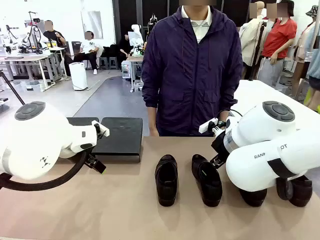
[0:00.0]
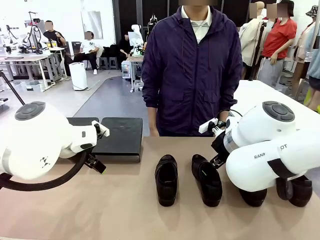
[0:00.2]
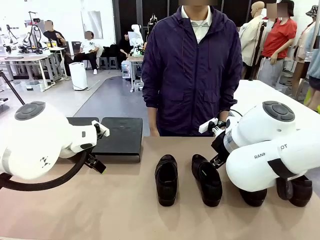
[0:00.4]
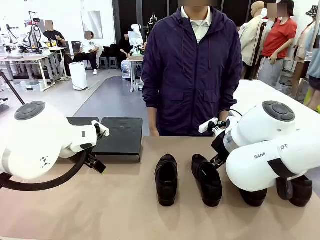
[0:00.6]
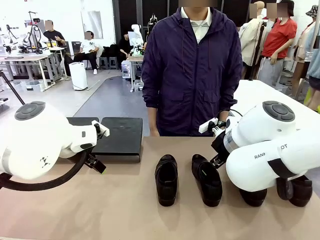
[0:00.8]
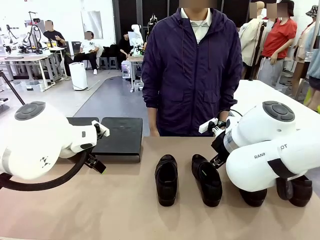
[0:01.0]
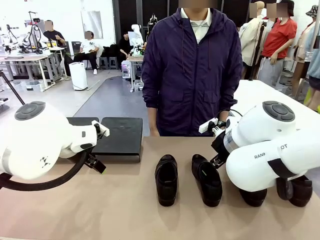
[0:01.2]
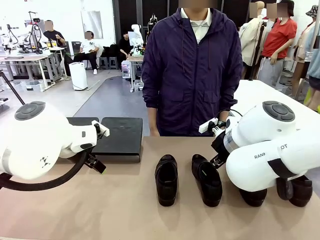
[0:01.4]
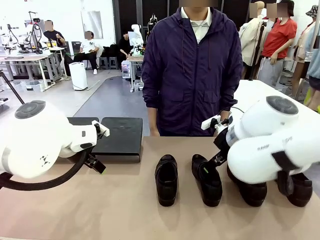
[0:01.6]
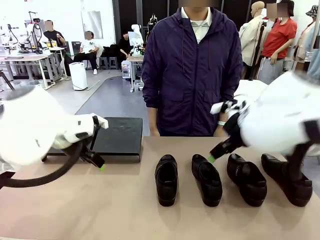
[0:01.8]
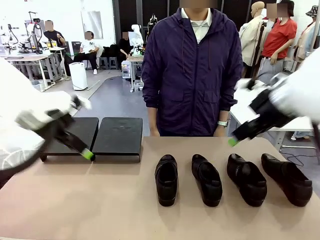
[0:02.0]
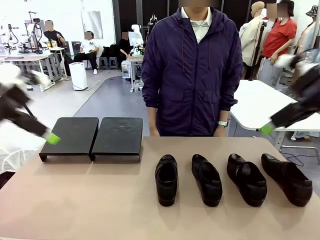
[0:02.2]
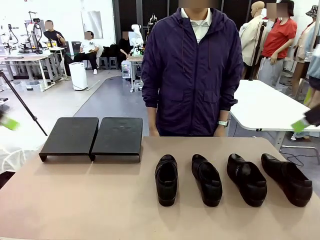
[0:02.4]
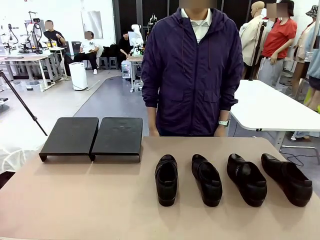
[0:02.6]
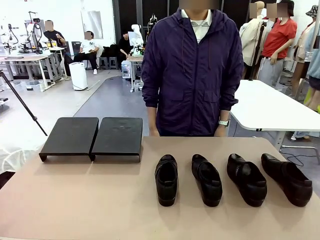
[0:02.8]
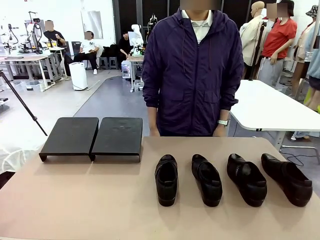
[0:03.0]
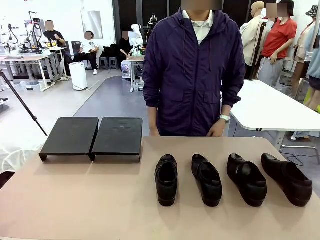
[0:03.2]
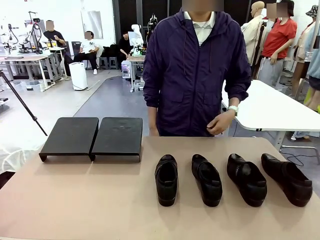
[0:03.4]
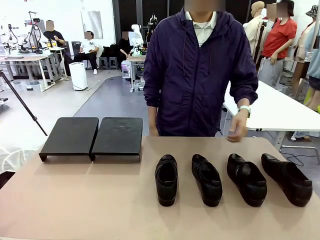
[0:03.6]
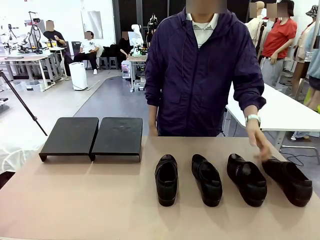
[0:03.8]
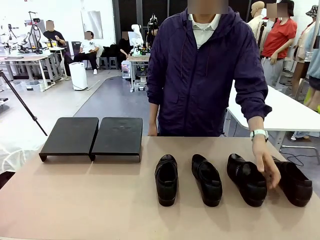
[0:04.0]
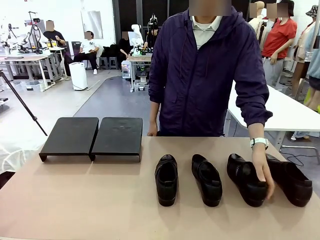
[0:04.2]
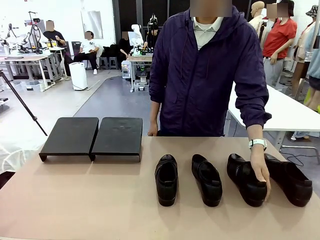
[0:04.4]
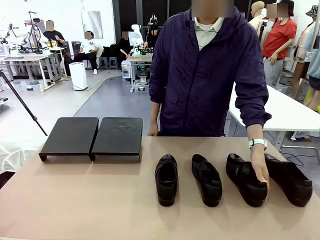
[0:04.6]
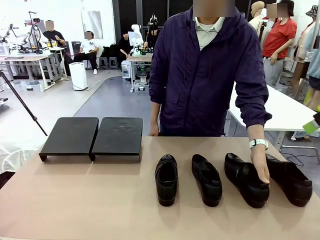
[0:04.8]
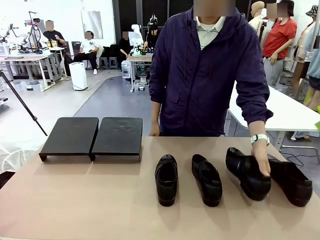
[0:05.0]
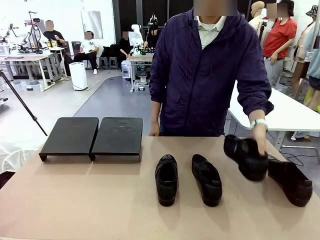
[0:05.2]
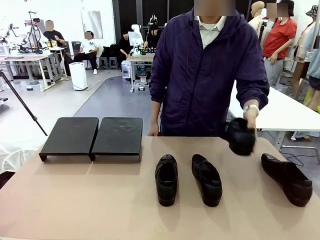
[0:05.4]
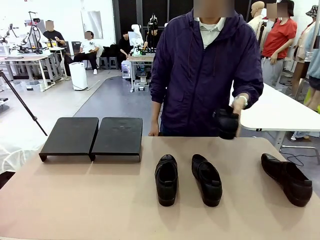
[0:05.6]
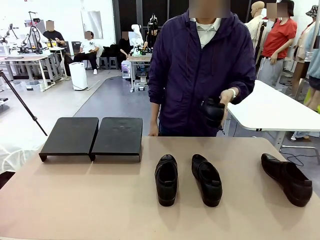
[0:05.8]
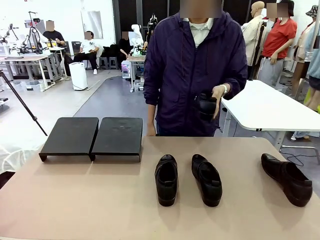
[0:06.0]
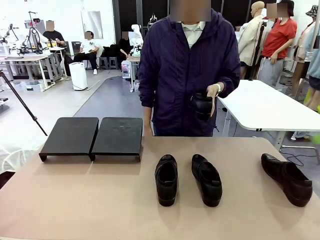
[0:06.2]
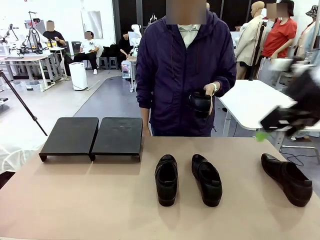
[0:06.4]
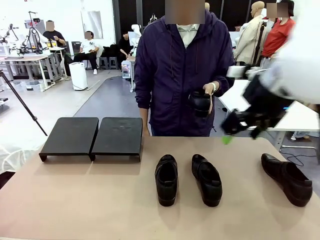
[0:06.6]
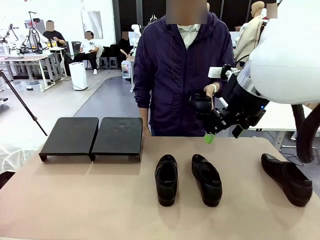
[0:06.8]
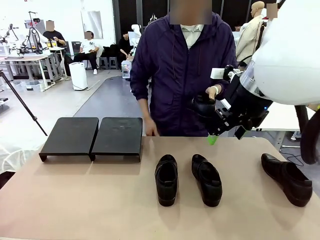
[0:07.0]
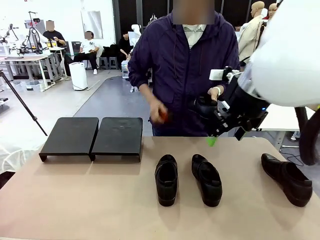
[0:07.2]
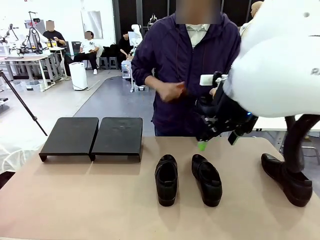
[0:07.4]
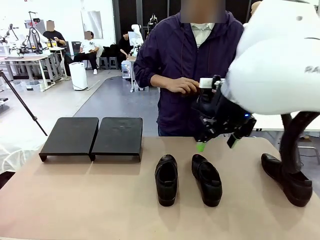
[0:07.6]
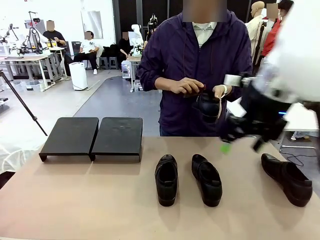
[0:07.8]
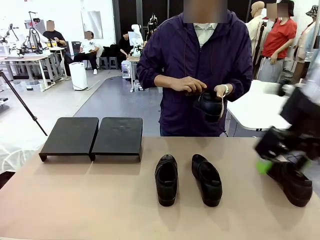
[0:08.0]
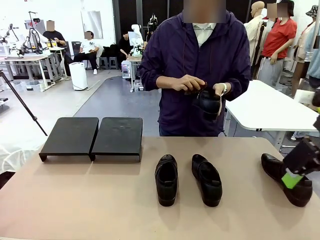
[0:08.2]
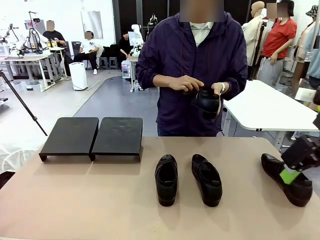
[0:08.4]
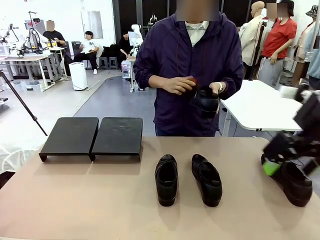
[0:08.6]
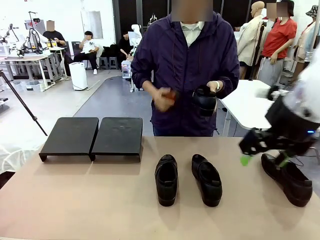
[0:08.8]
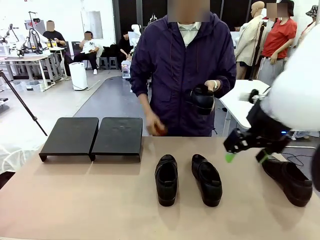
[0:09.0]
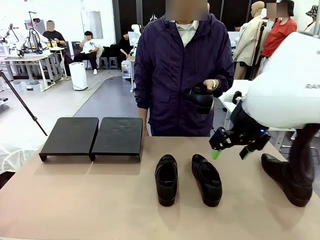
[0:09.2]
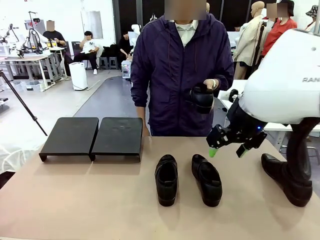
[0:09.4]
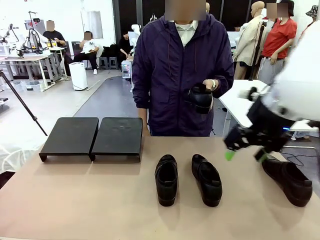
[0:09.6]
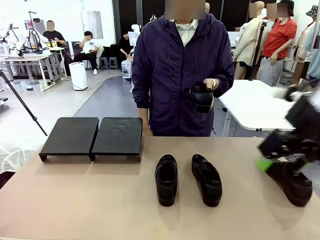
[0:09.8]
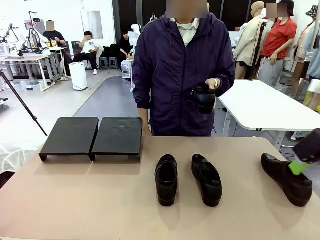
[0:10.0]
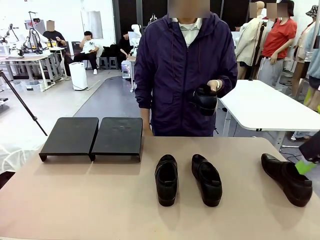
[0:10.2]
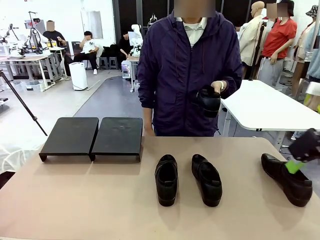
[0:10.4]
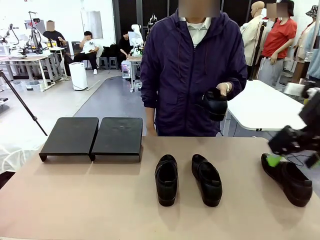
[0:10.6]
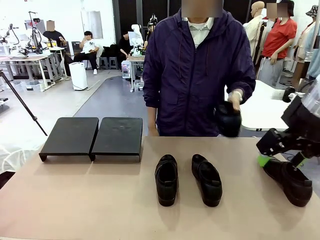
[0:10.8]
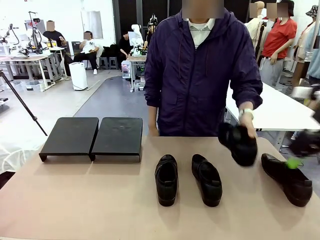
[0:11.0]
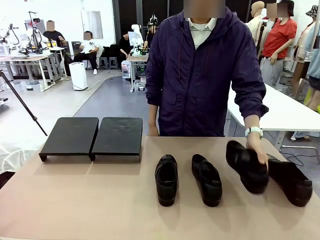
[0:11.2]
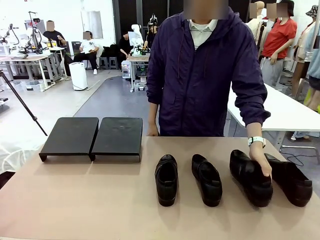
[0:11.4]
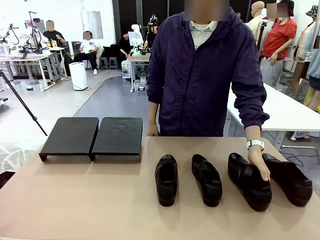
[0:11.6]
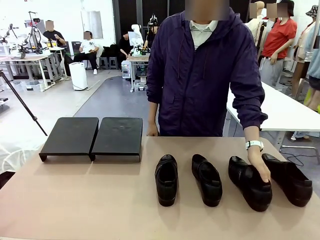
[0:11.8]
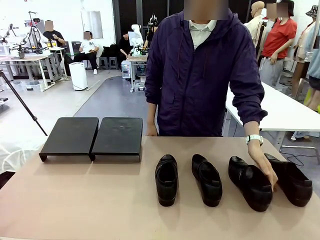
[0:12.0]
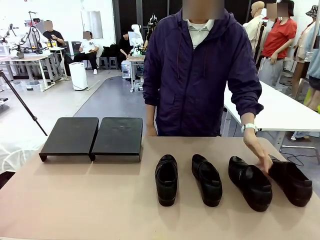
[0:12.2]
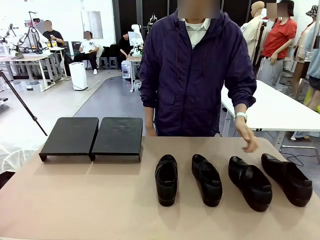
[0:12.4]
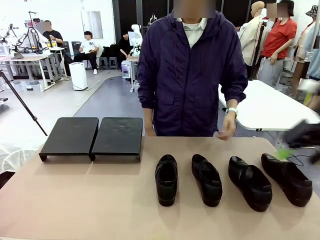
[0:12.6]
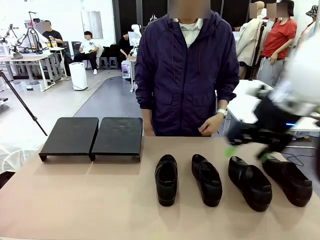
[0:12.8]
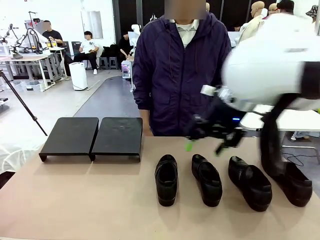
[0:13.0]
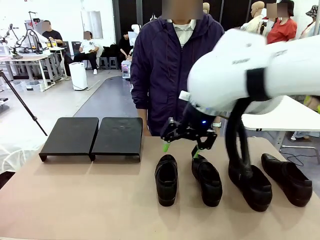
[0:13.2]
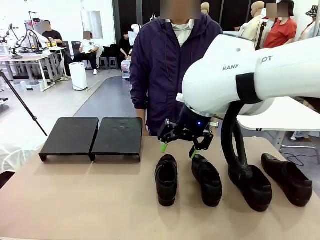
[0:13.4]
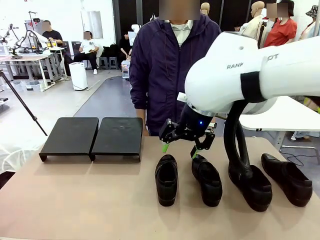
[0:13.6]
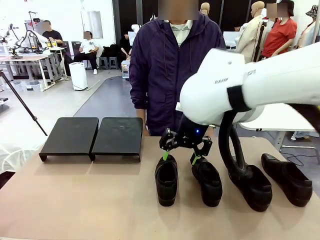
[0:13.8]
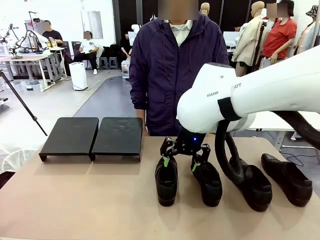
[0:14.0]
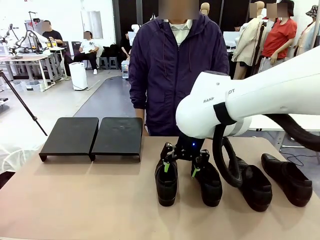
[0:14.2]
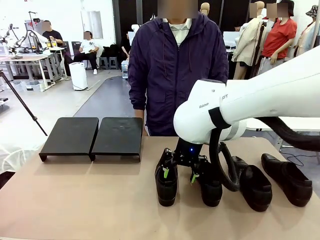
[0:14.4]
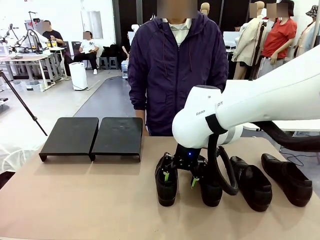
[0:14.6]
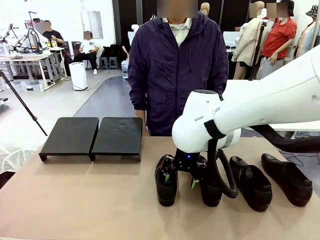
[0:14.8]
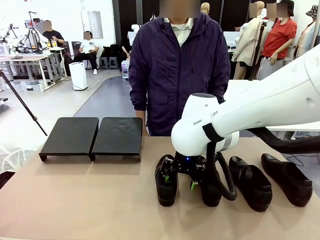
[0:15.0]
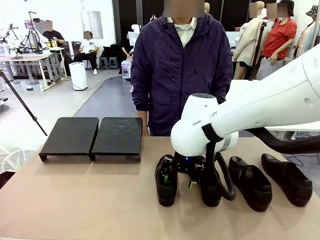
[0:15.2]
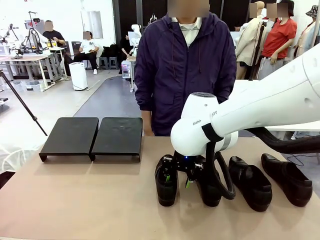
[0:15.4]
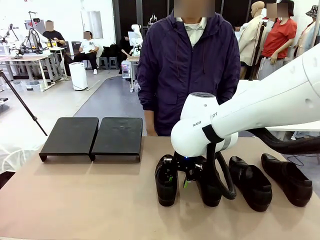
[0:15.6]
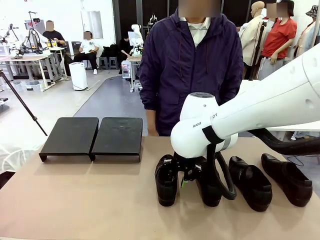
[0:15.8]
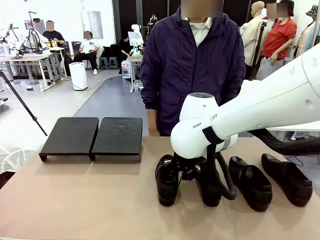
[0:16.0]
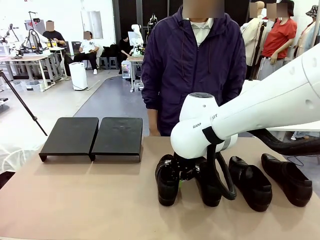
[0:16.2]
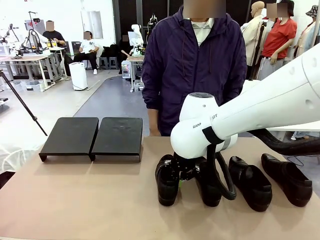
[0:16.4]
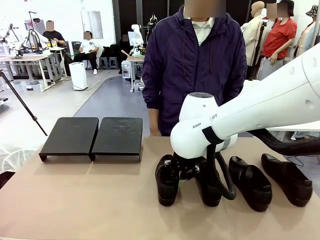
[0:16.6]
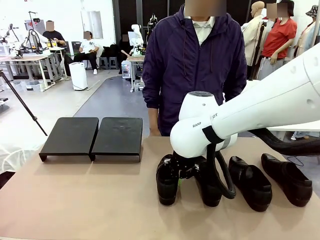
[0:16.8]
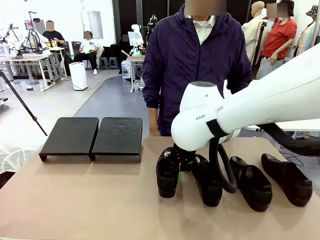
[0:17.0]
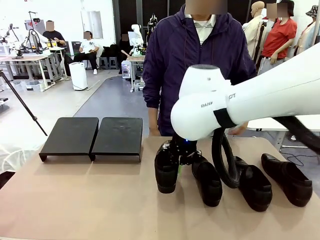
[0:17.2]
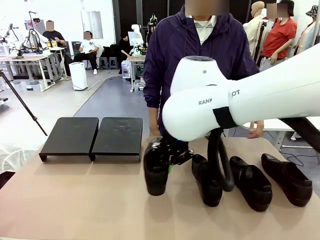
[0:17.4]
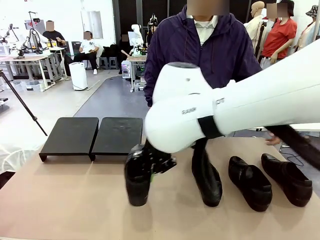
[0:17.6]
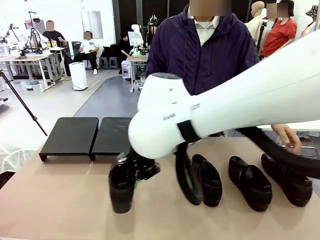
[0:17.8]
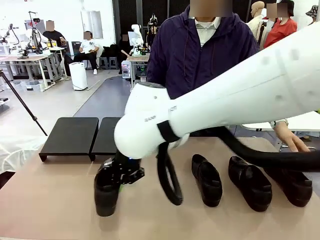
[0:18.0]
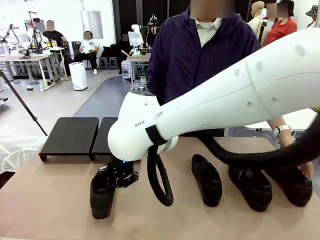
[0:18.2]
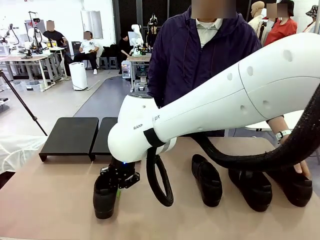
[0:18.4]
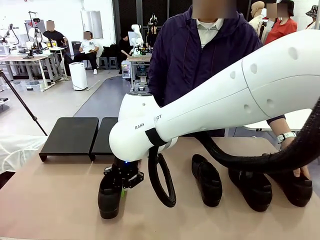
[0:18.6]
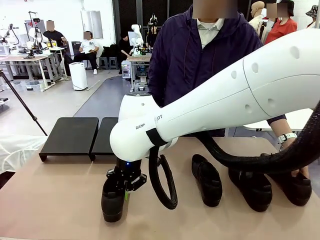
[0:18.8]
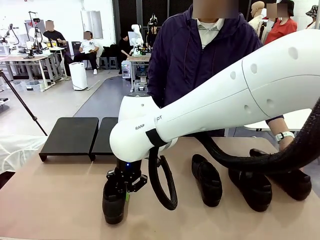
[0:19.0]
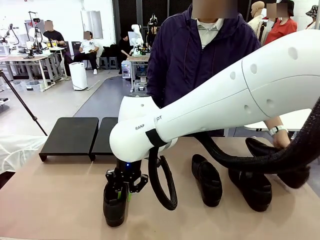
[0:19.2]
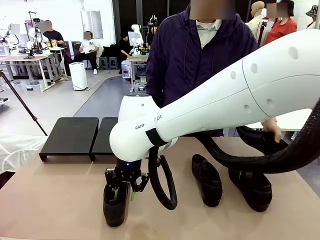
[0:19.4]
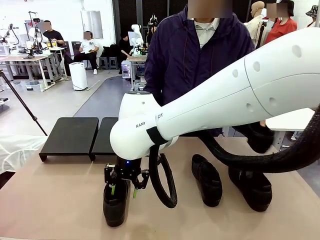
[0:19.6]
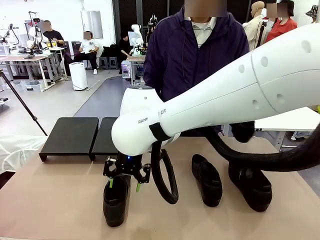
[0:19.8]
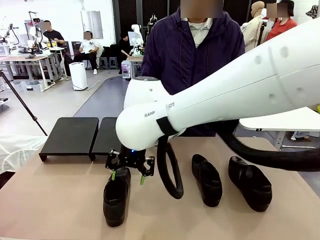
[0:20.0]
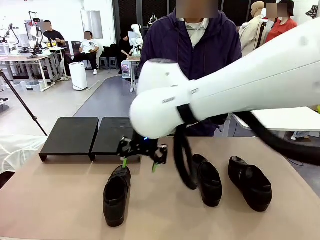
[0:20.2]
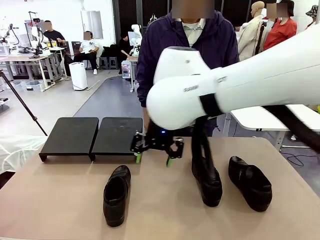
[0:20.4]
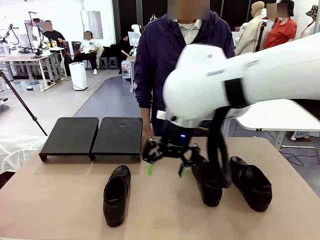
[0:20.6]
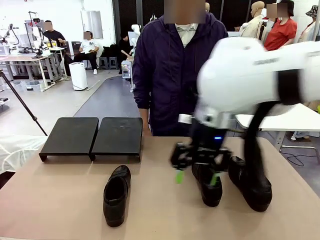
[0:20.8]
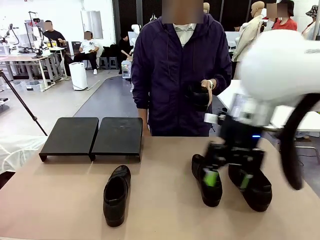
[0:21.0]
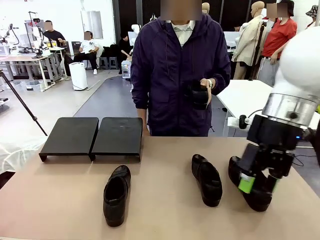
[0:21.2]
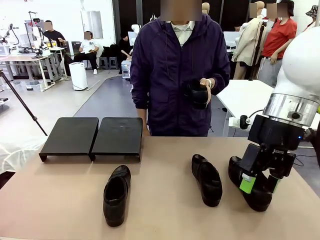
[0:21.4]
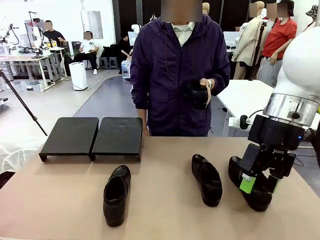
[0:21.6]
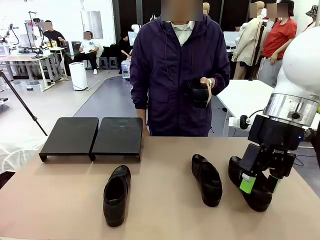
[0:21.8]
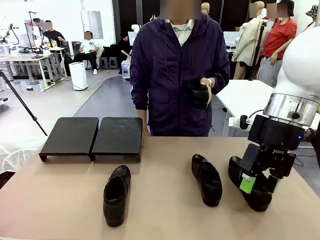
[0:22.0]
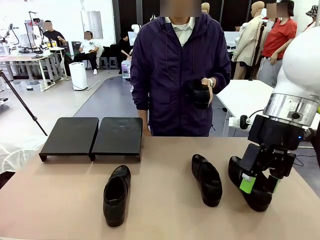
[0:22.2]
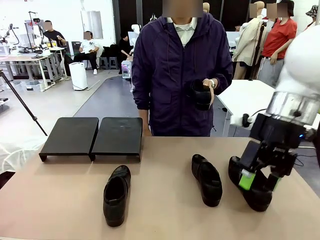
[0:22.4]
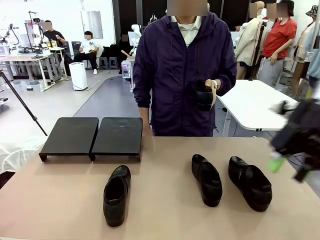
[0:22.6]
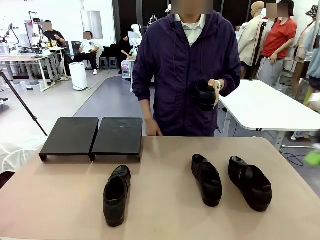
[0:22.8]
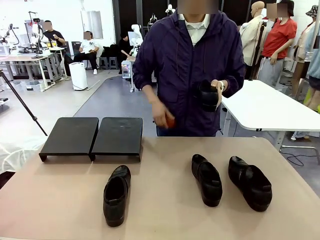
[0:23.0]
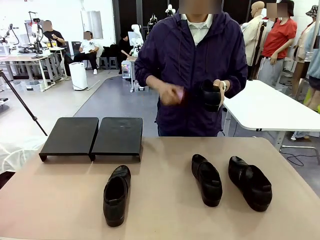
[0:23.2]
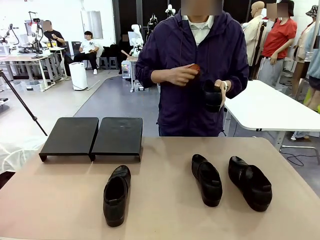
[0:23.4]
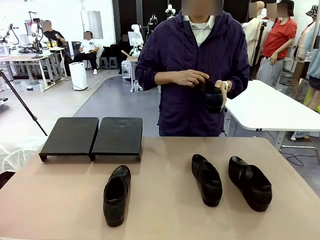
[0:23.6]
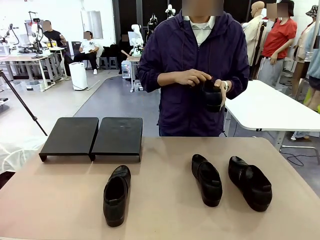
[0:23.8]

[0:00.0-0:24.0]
Task: Organize the shoes by placing them on the stand.
Robot: Pick up one Shoe and place it in the middle of the table.
Person: Pick one Shoe on Robot's table. Clean the Shoe with the Shoe Brush. Place the Shoe on left side of the Robot's table. Pick one Shoe on Robot's table.
